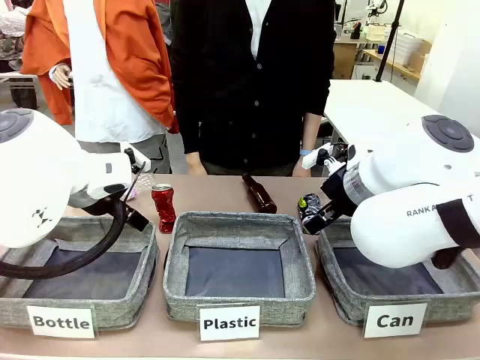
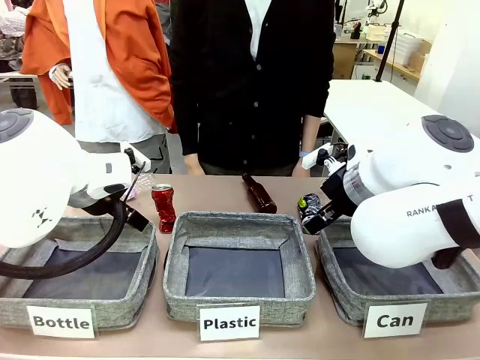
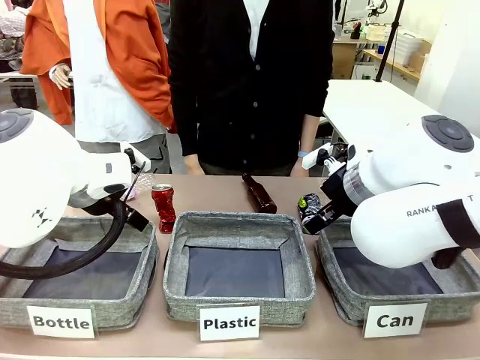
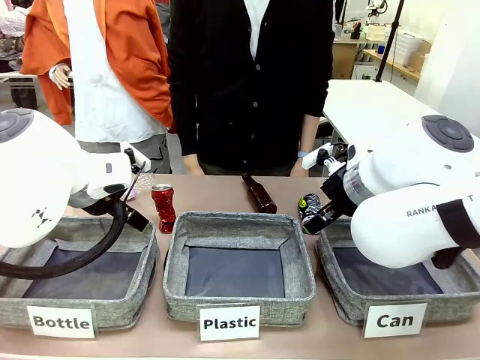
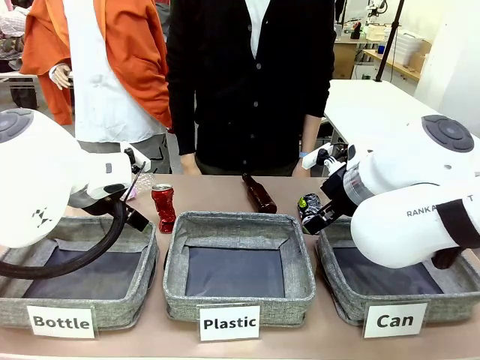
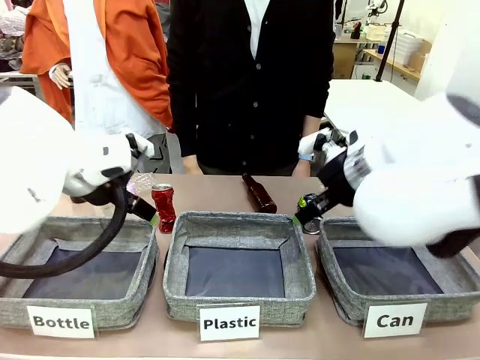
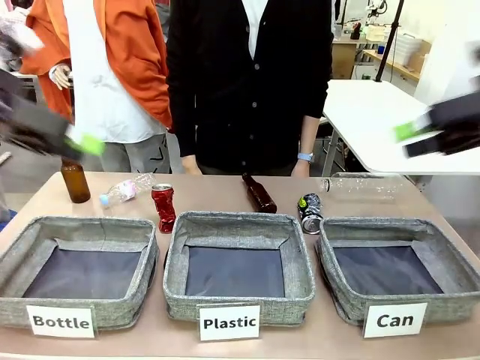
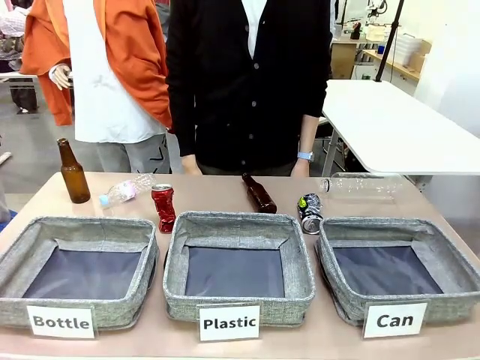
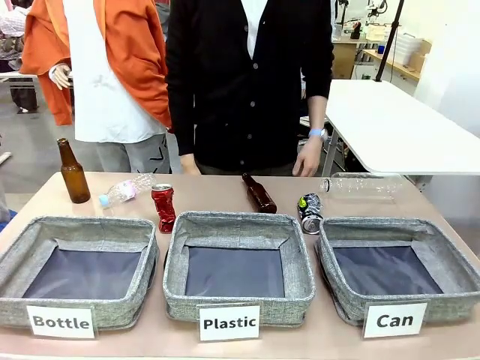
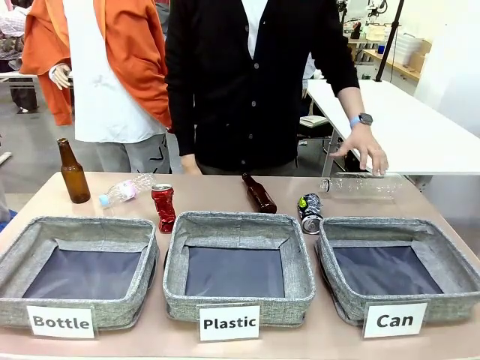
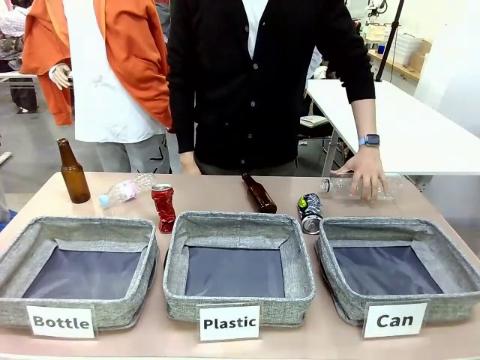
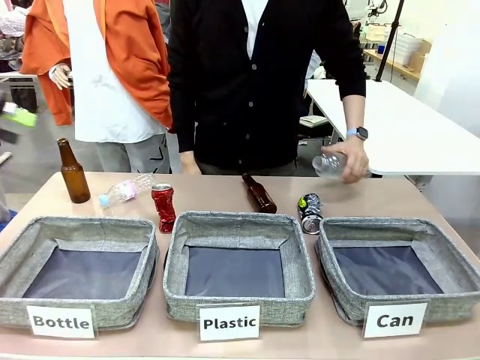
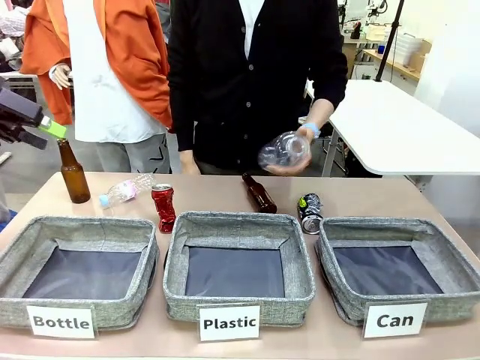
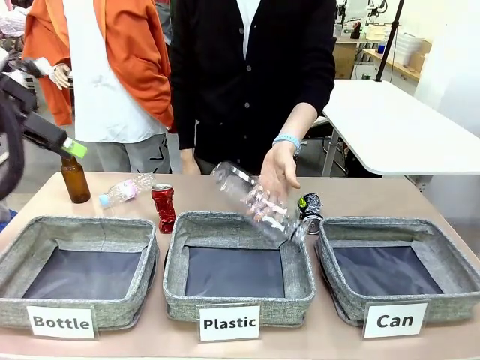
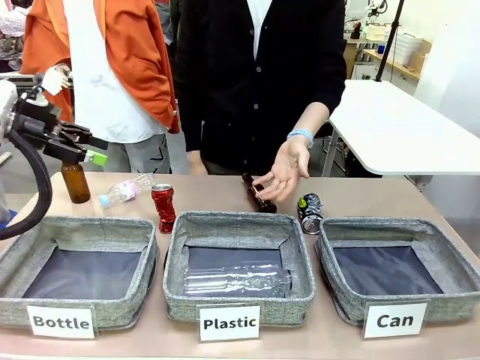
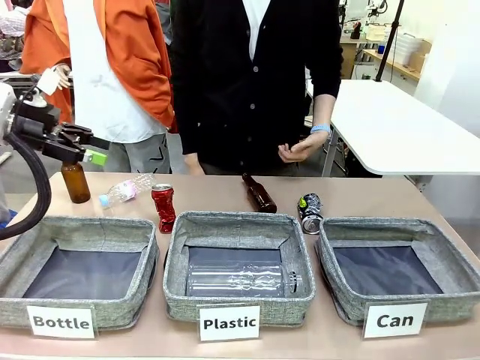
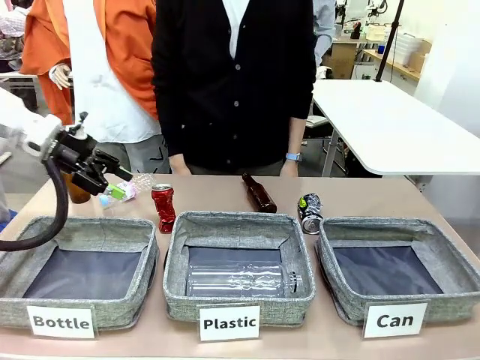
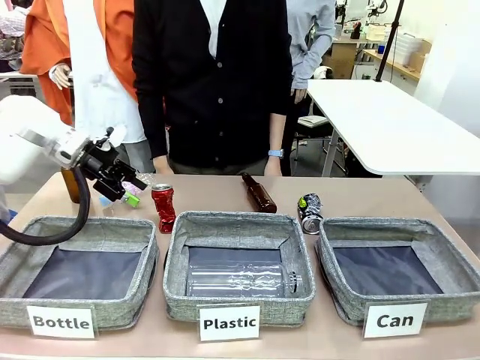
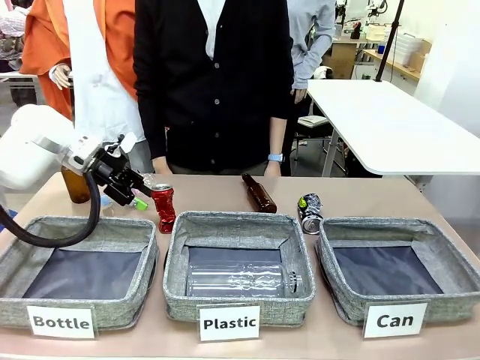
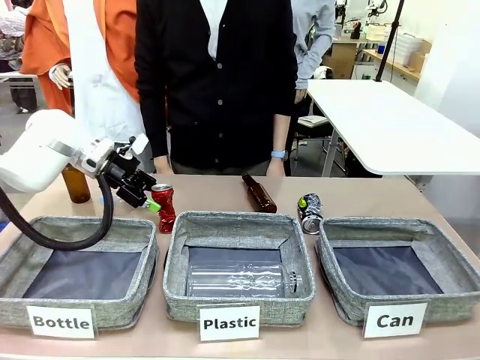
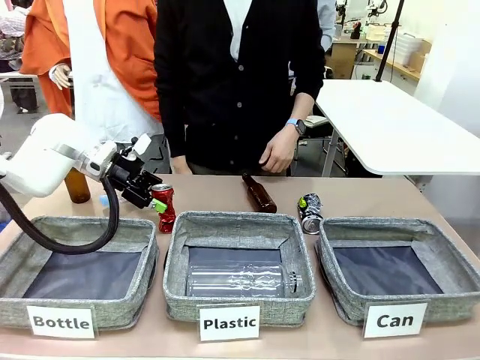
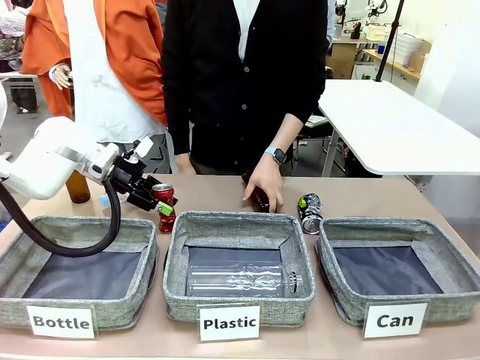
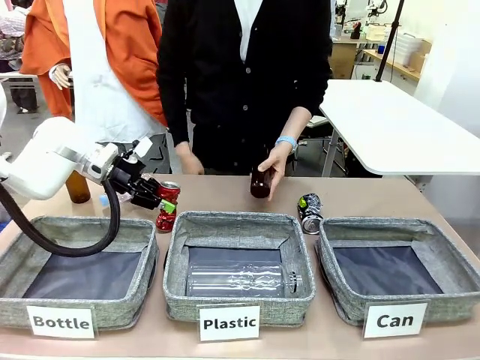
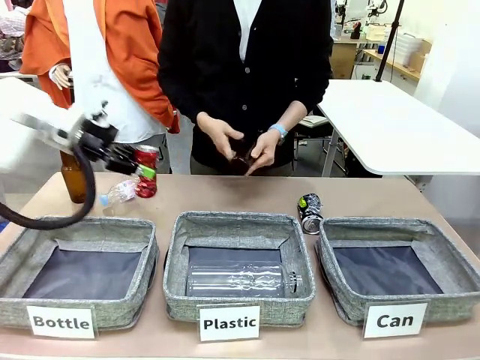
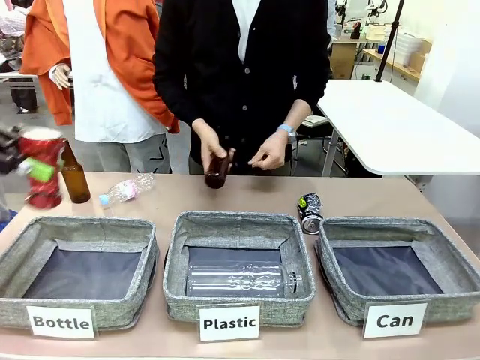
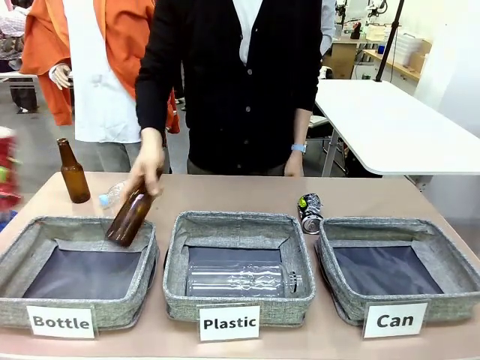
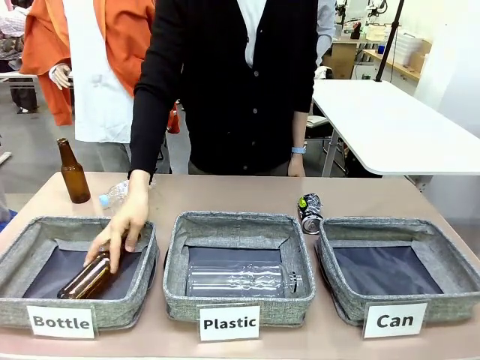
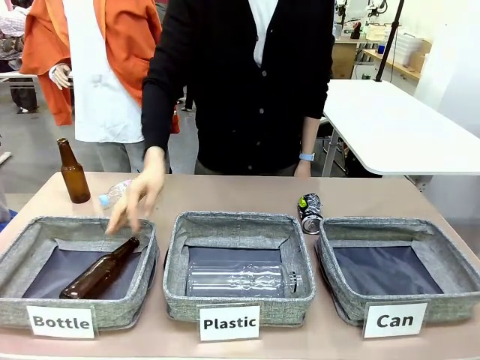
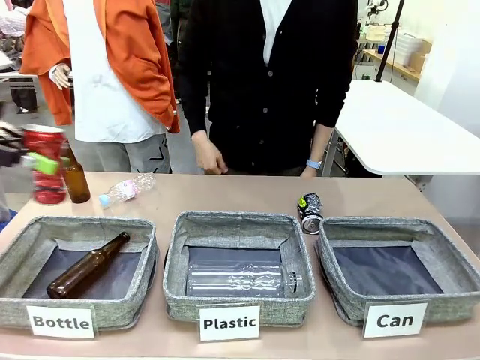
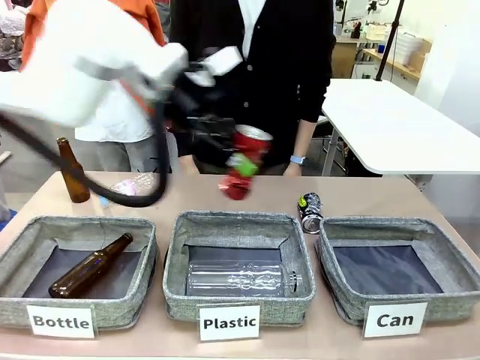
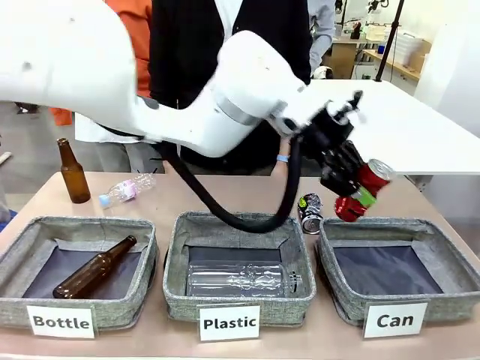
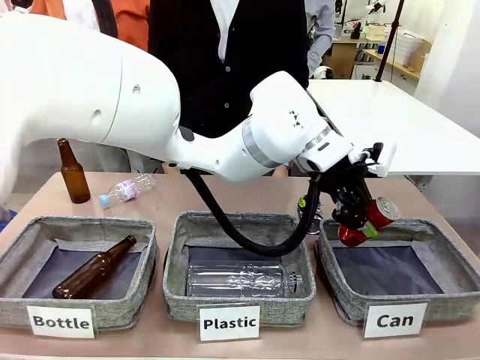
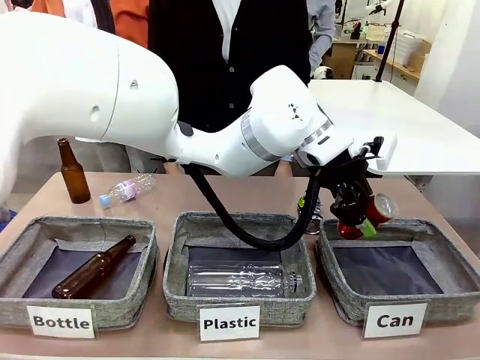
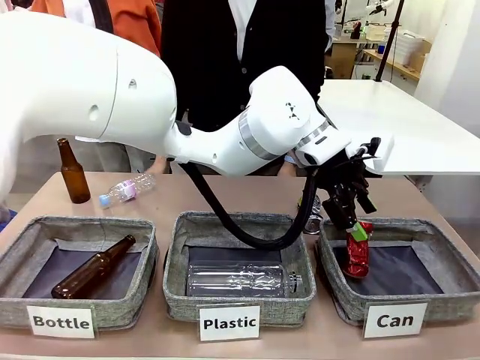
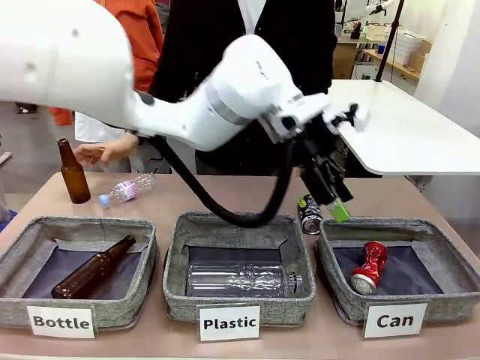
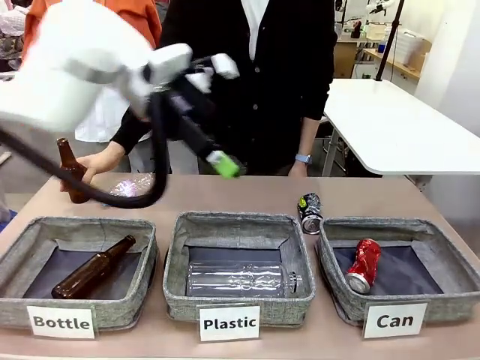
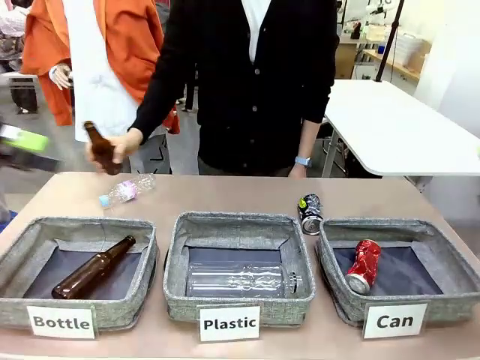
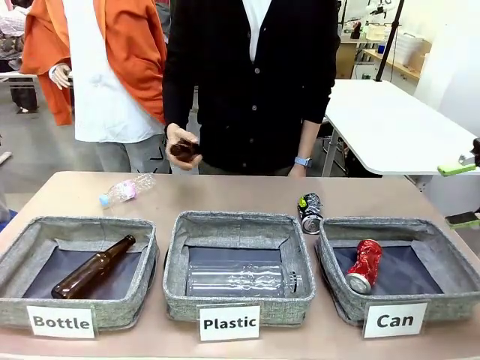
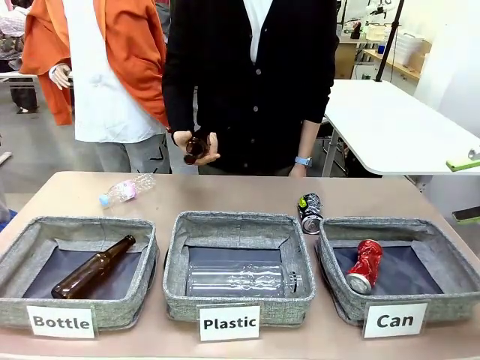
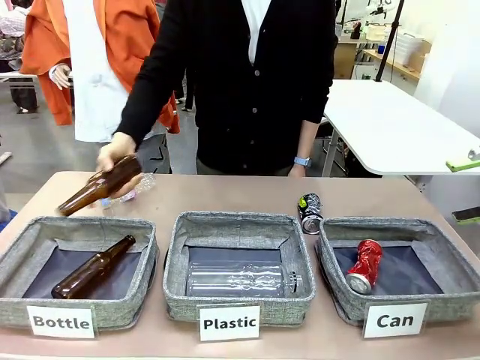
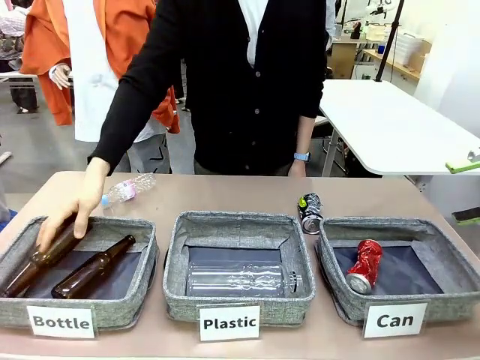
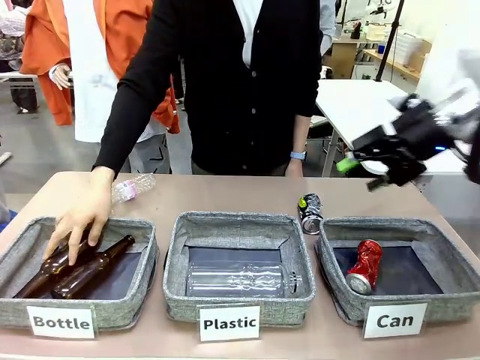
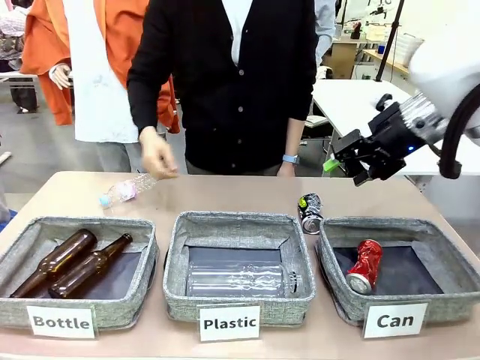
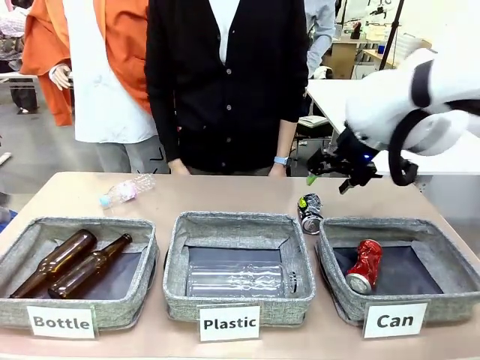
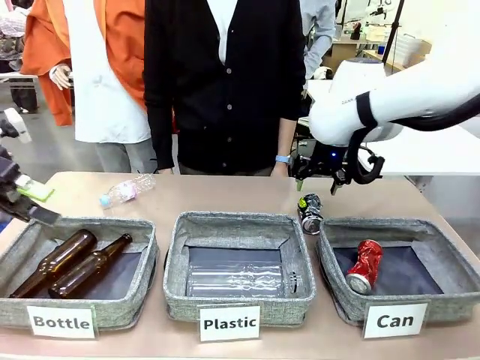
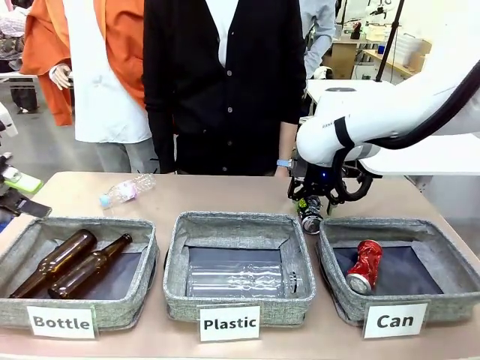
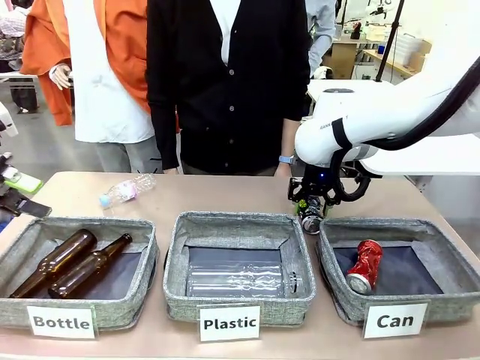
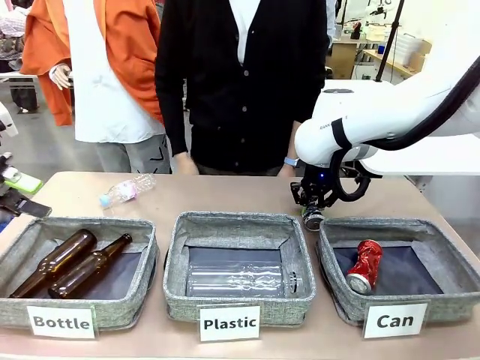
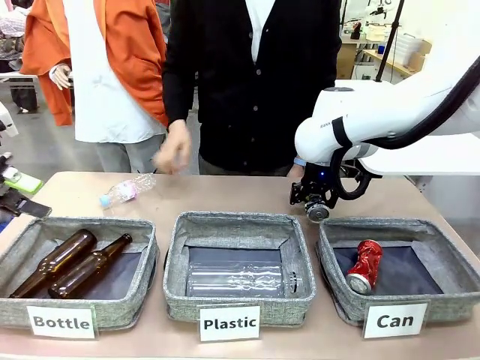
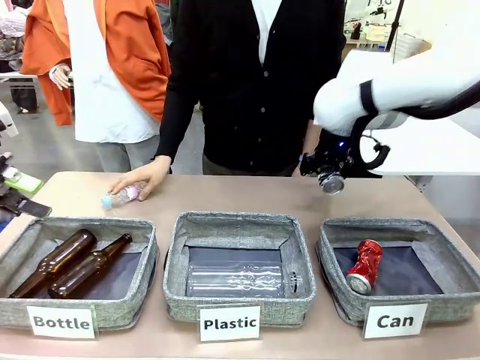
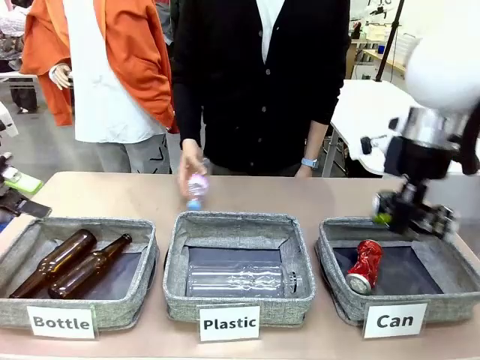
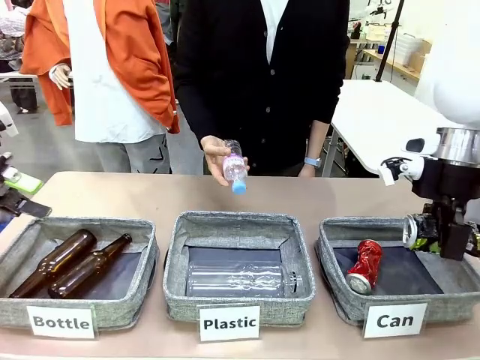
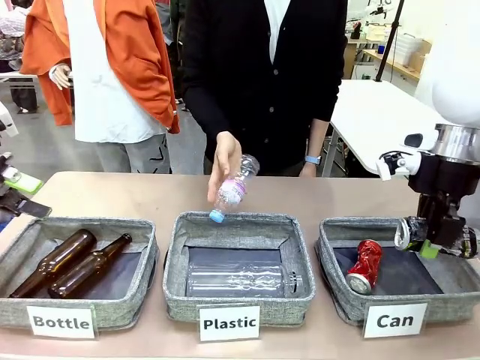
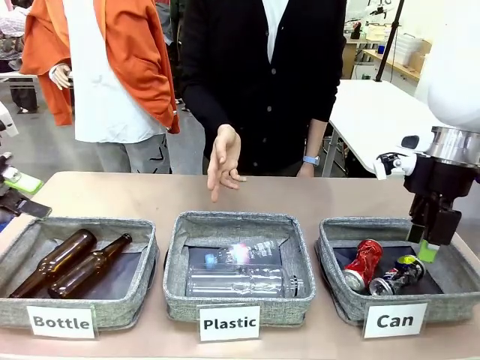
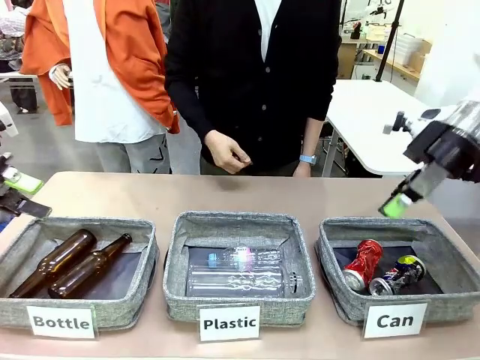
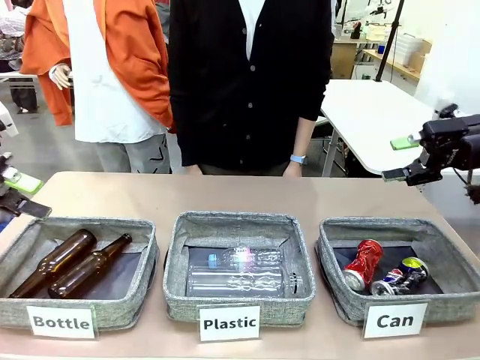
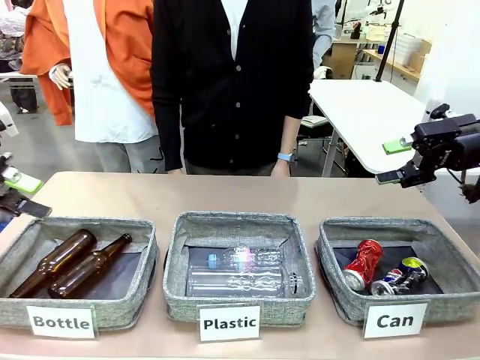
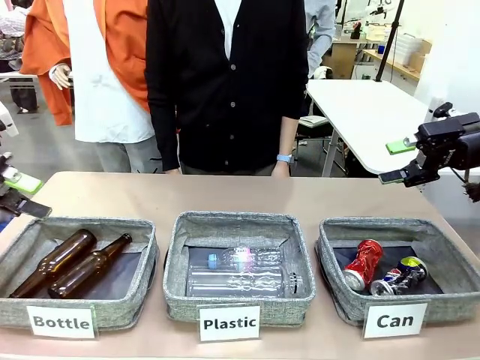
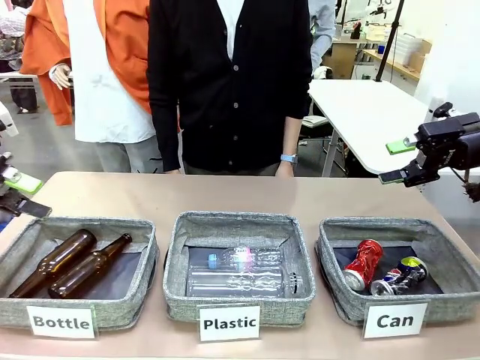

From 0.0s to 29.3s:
Task: Sort the can waste into the basket.
Robot: Pick up the can waste from the table and place it in the right Fabric basket.
Person: The human picks up one piece of trash that is not a can and places the trash into the appropriate organizing basket.
